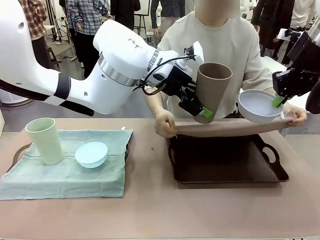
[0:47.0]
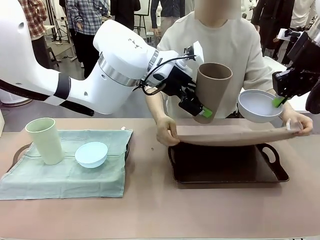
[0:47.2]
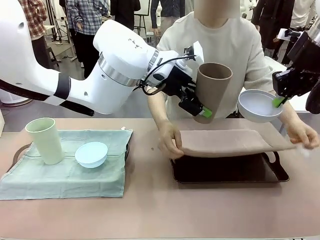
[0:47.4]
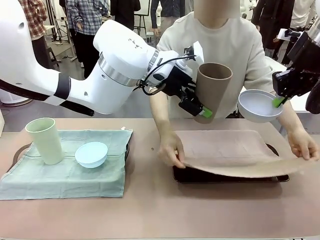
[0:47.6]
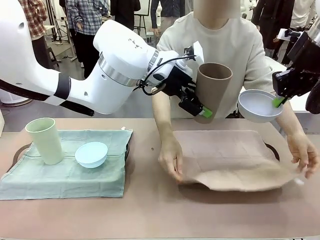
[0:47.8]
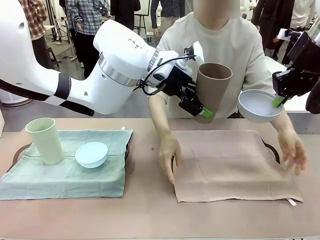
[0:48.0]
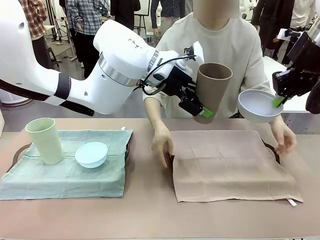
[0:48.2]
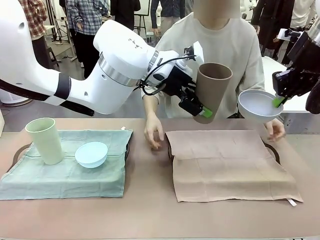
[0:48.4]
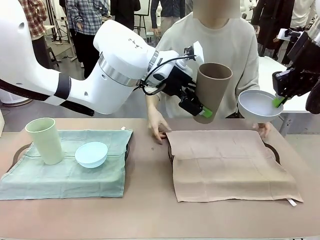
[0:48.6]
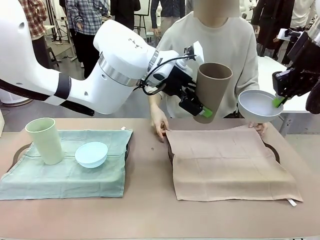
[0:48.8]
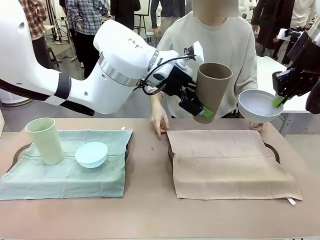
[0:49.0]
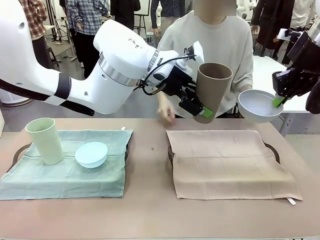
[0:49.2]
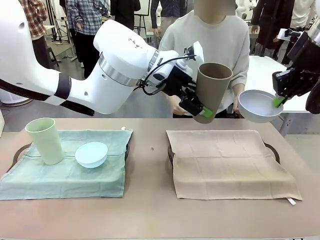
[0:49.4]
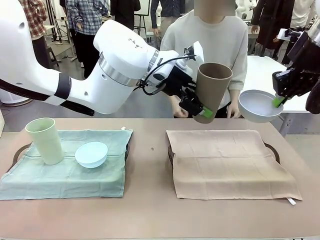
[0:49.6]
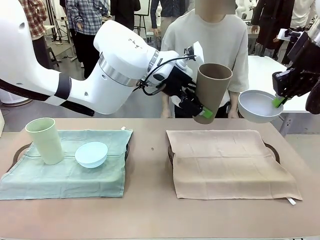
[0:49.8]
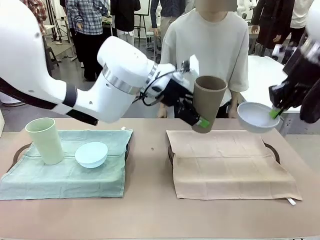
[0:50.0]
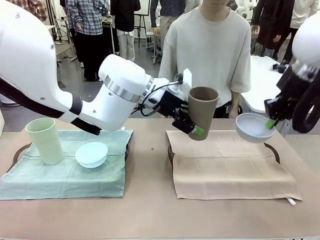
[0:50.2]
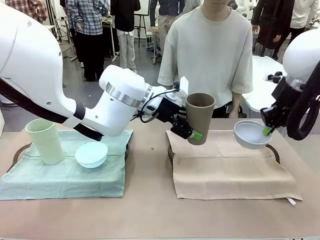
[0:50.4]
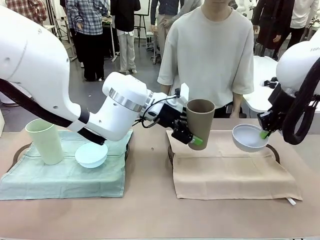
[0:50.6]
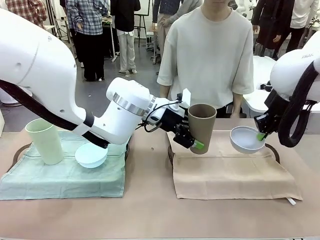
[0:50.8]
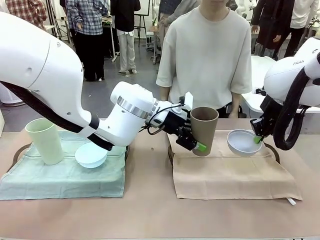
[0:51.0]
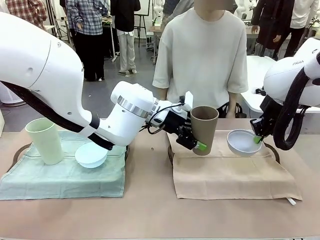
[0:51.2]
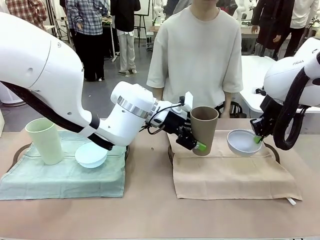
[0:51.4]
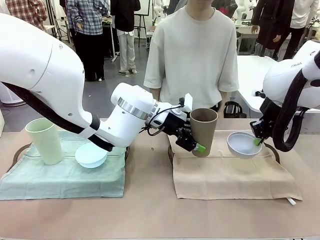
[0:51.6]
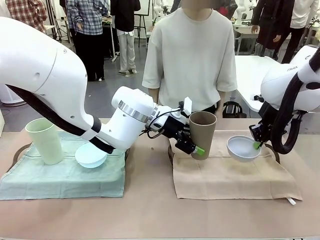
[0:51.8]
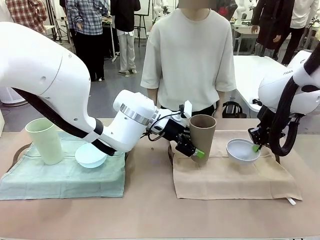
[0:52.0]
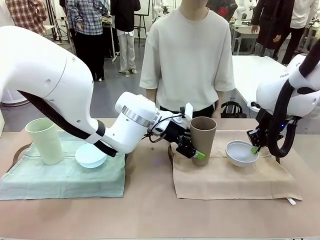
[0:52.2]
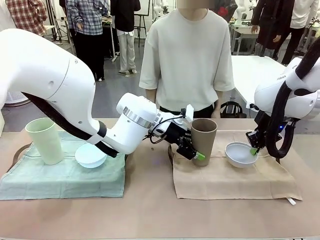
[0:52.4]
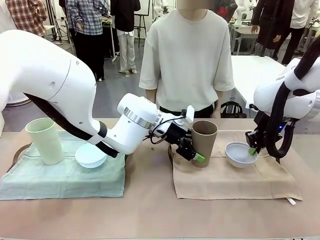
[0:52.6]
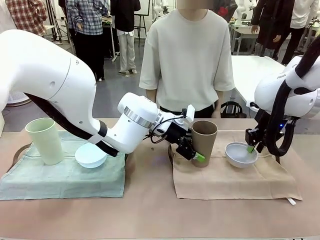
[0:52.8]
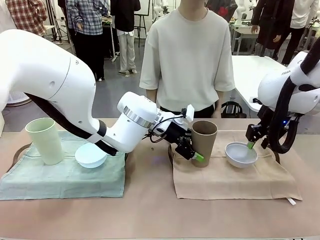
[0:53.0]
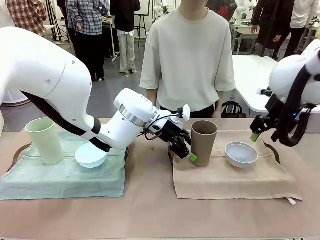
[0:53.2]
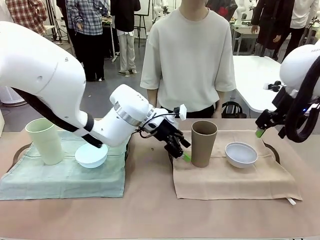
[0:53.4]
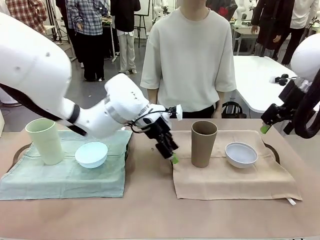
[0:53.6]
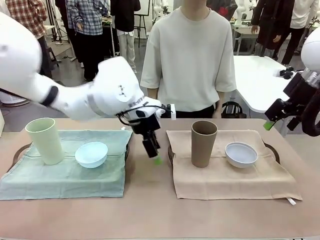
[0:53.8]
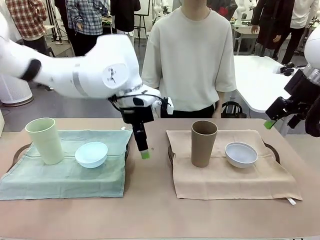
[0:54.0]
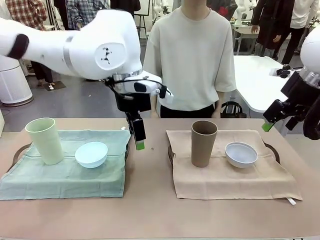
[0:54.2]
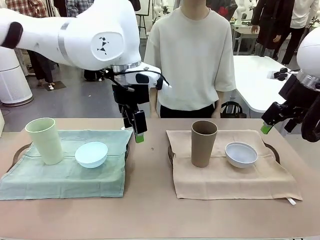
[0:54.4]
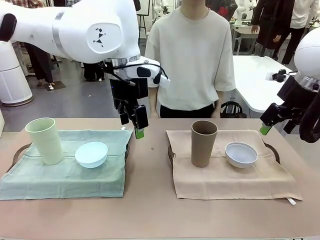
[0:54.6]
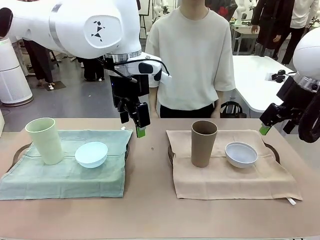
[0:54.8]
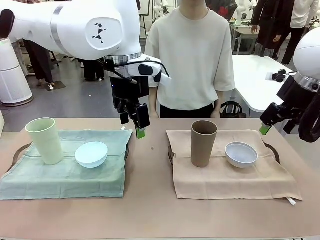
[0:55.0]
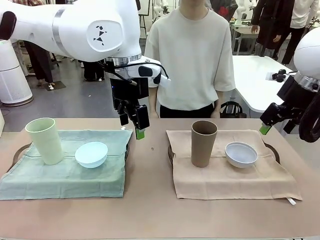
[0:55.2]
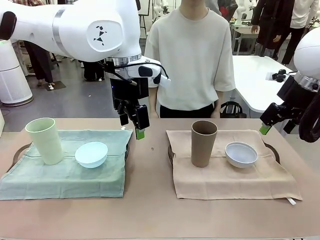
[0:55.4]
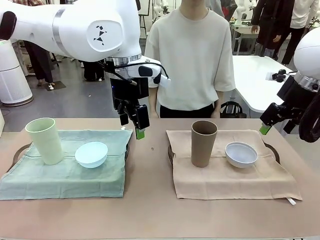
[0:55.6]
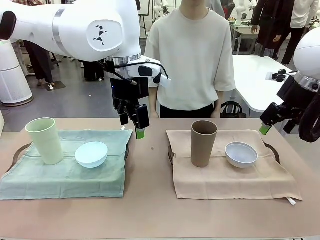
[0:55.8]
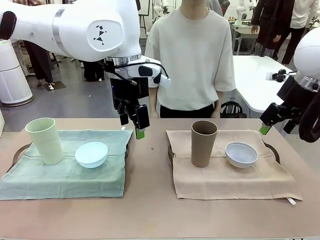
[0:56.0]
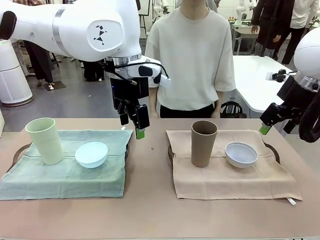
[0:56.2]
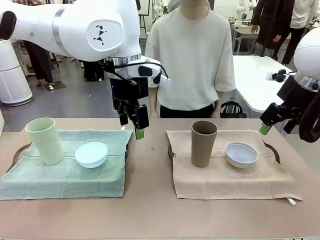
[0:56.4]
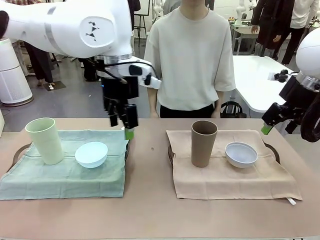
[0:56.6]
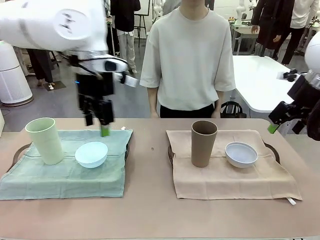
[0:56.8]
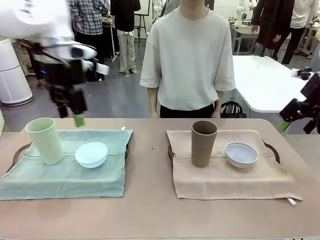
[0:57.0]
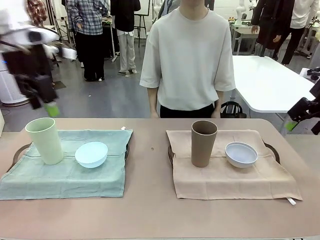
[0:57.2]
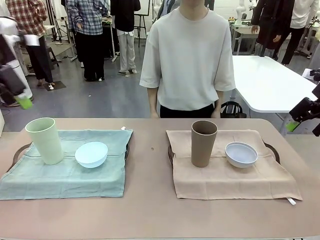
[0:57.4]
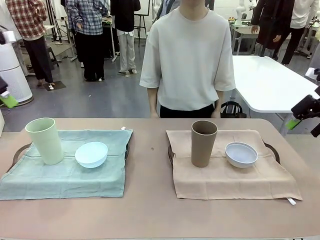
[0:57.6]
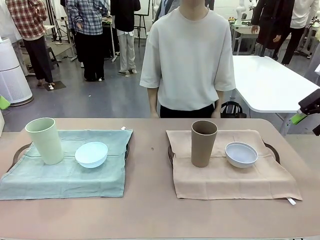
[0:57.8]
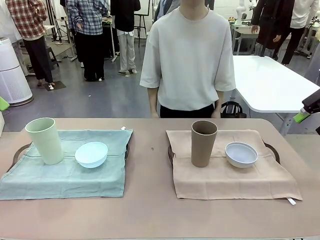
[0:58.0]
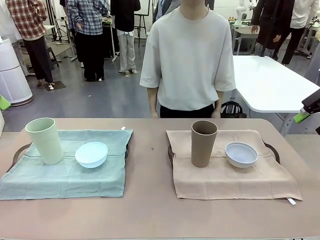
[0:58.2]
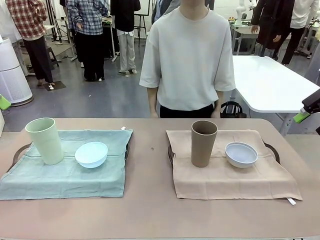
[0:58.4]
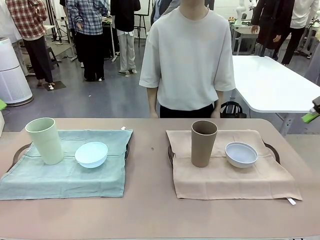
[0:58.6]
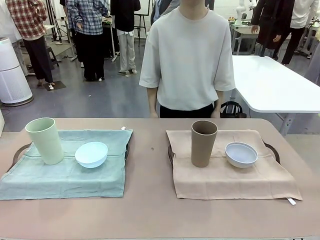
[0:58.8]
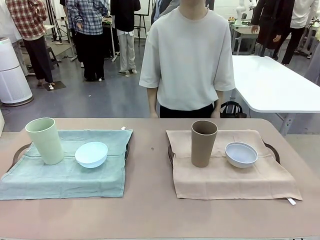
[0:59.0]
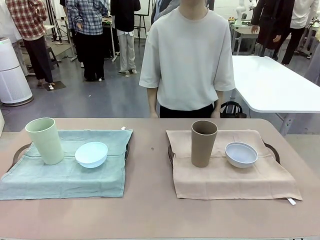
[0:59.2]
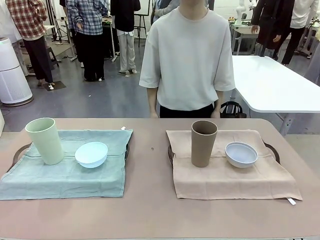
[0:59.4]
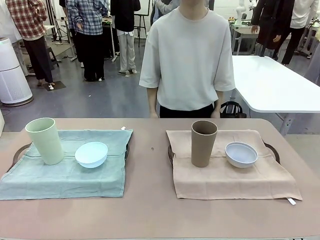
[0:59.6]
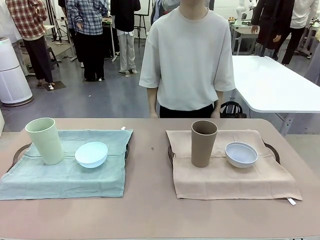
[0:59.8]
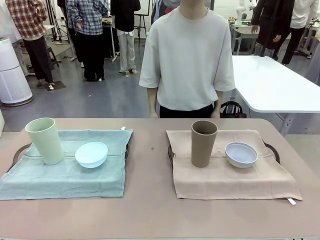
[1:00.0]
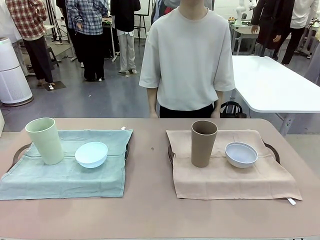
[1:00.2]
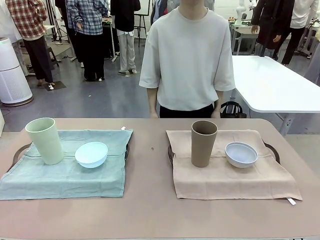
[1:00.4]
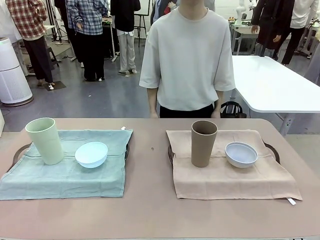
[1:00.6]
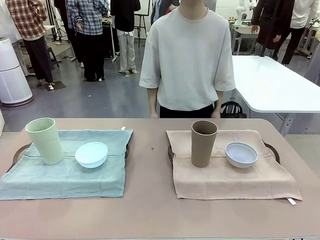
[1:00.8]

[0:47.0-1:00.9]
Robot: Place the Picnic Bowl and Reusable plastic cup back onto the Handle tray in front of the human's position.
Person: When the robot lifts the bowl and the cup, the human unfolds the napkin and lays the napkin flat on the tray.

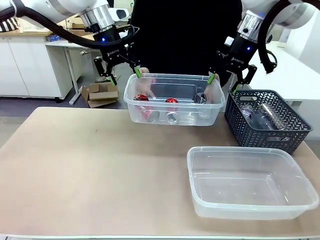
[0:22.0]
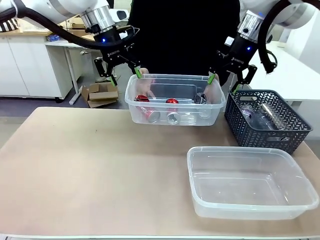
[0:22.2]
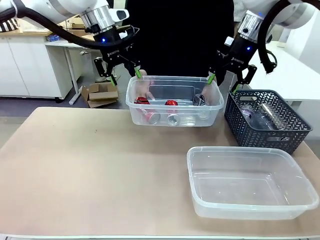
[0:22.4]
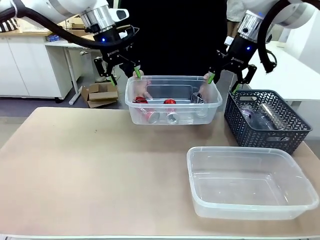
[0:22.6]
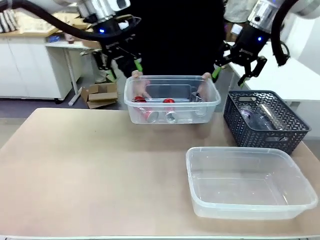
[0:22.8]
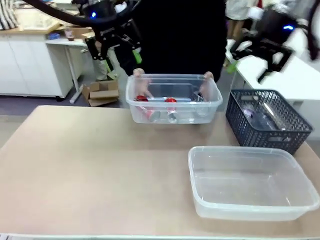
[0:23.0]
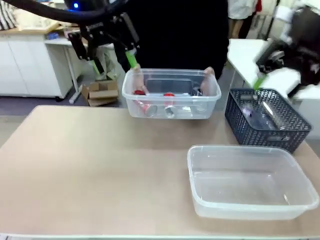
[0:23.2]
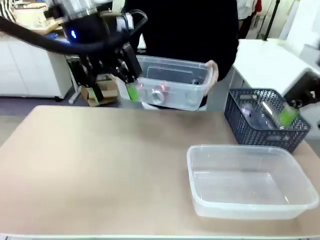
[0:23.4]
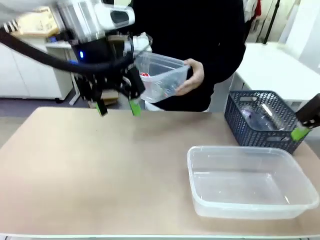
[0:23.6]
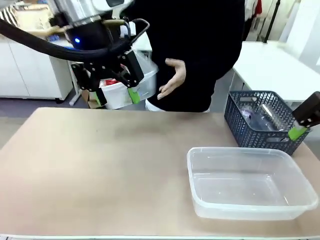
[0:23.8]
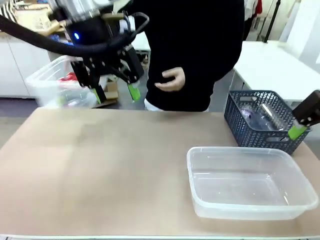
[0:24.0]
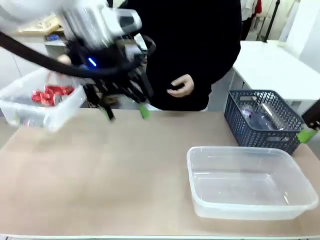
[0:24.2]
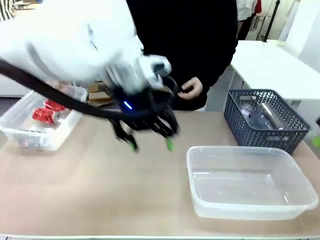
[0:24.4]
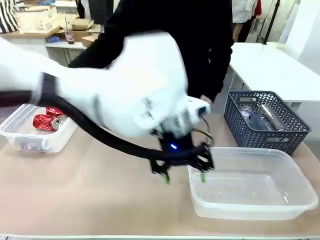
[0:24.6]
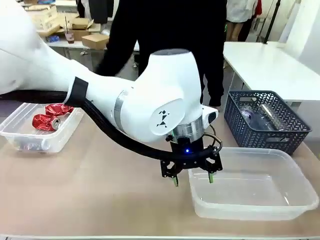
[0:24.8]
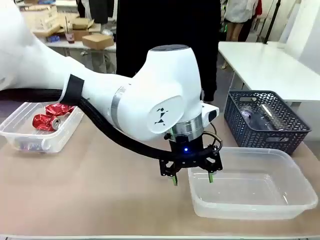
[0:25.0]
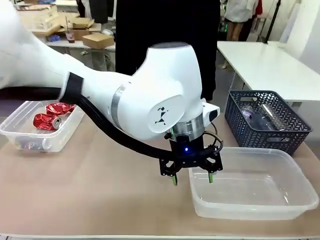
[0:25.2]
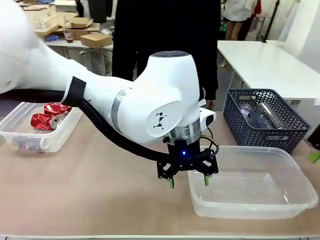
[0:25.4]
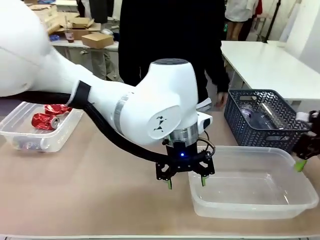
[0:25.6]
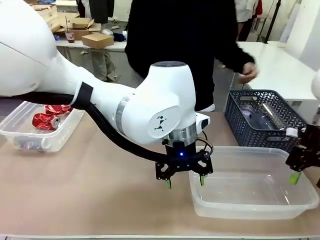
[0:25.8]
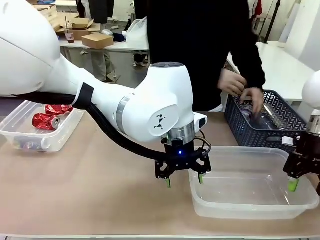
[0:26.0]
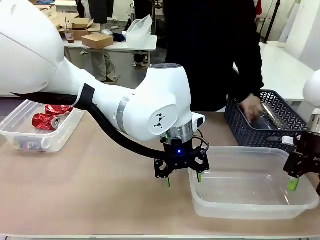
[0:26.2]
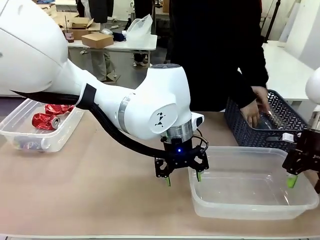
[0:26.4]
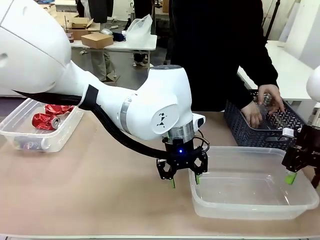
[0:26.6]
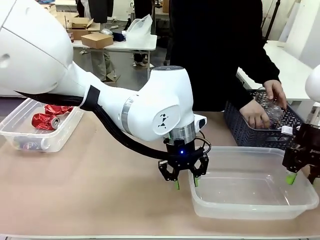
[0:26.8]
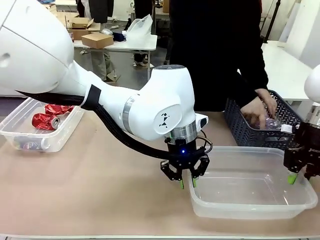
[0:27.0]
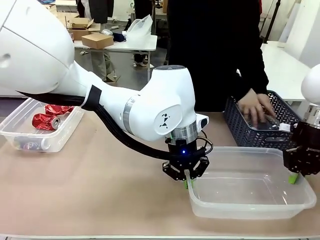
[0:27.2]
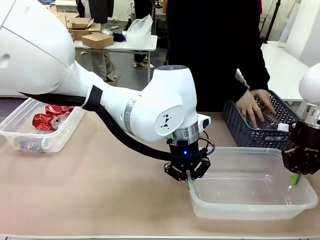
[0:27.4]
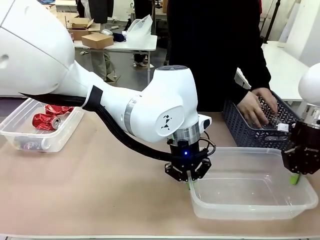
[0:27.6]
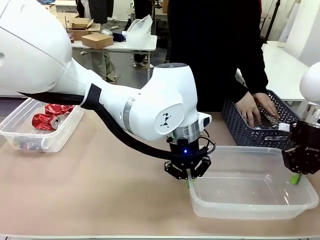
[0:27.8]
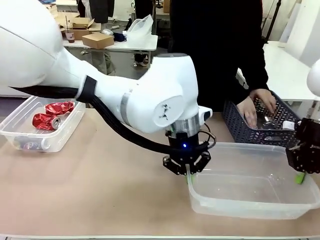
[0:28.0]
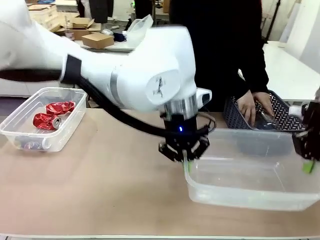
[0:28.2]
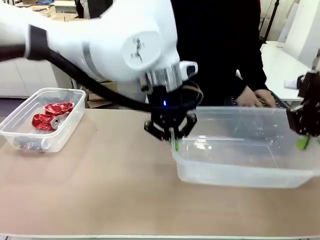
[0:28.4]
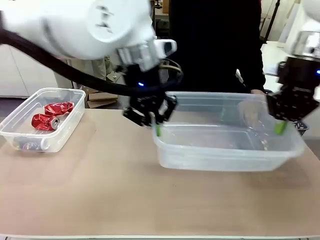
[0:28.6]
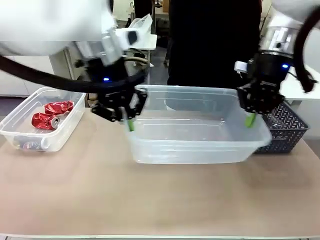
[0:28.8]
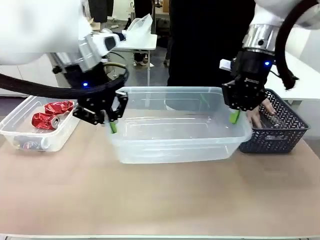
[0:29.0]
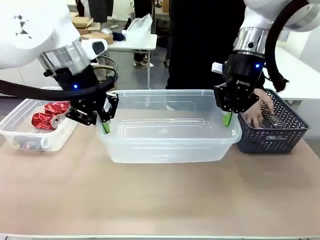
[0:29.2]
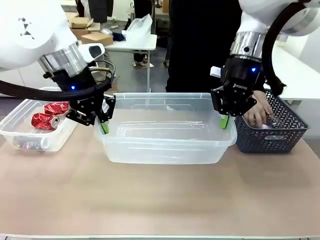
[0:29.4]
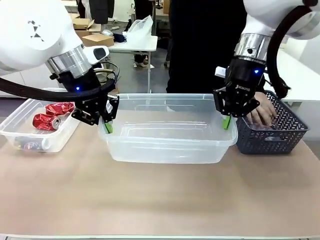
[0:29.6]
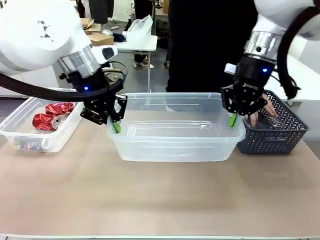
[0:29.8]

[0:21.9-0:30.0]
Robot: Pick up the Organizing box on the right side of the table and lift it.
Person: Place it at the edge of the bottom right area of the robot table.
